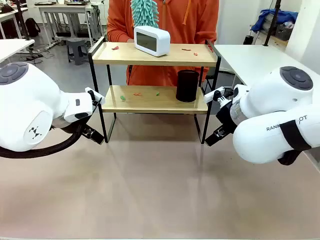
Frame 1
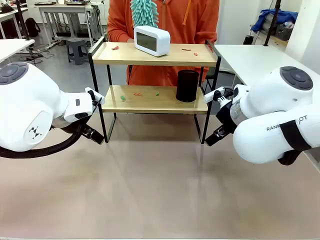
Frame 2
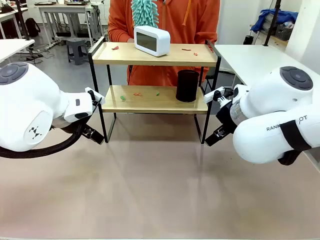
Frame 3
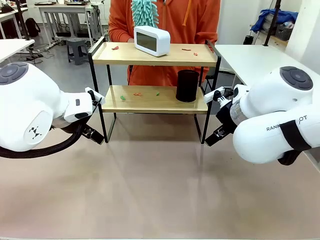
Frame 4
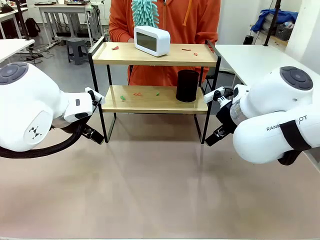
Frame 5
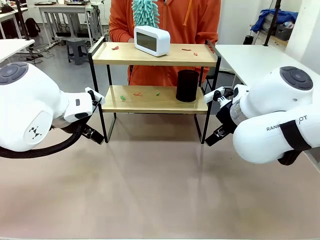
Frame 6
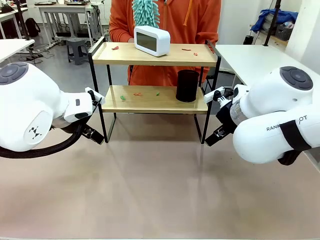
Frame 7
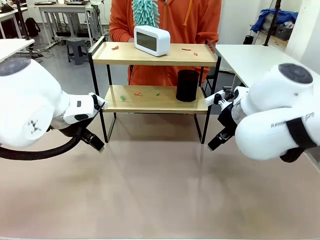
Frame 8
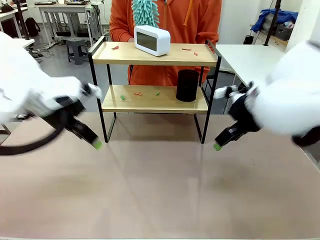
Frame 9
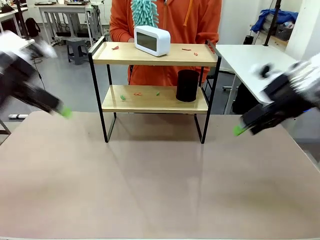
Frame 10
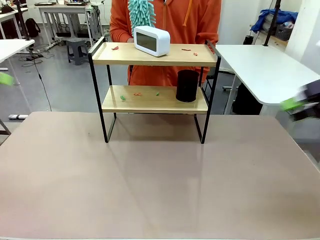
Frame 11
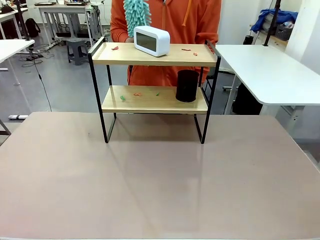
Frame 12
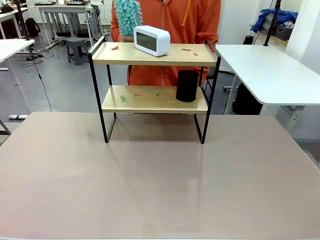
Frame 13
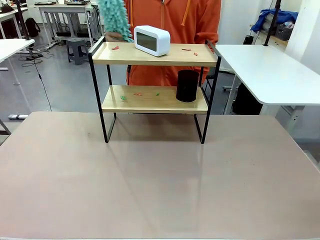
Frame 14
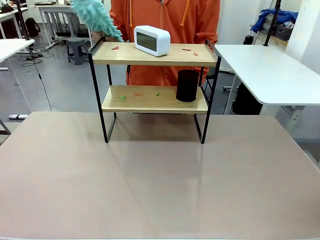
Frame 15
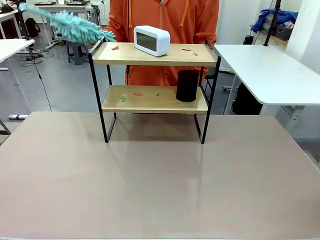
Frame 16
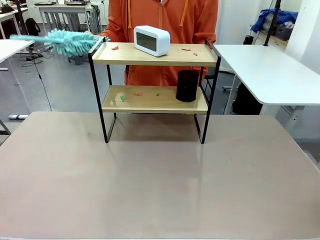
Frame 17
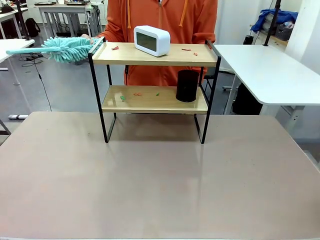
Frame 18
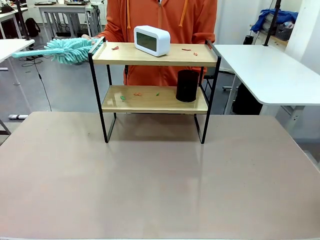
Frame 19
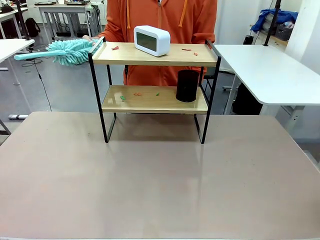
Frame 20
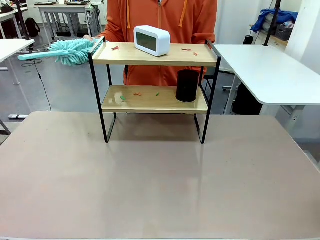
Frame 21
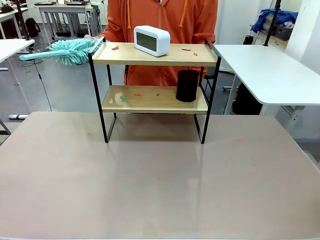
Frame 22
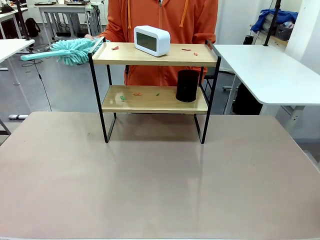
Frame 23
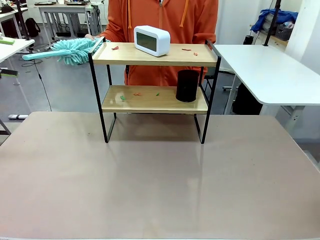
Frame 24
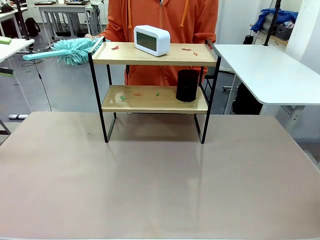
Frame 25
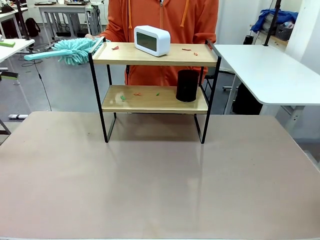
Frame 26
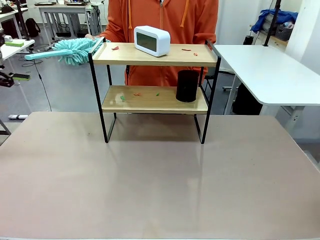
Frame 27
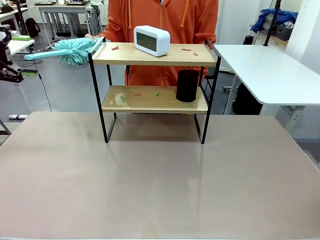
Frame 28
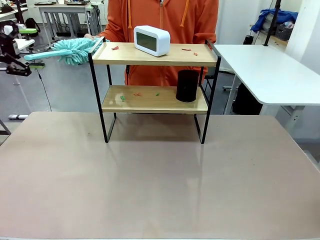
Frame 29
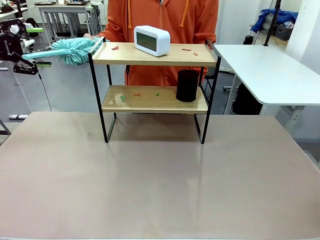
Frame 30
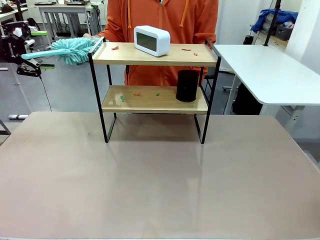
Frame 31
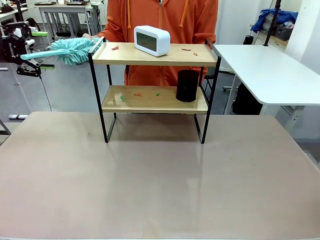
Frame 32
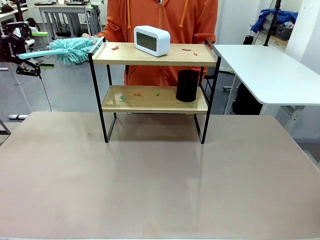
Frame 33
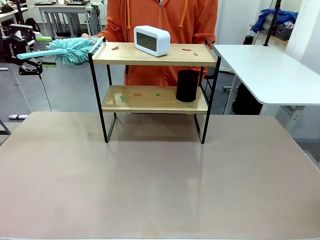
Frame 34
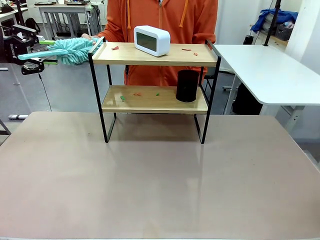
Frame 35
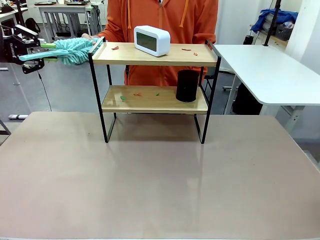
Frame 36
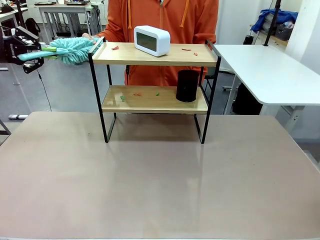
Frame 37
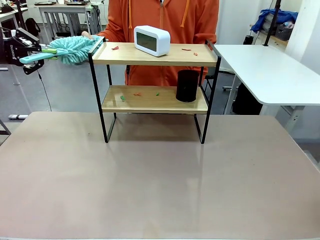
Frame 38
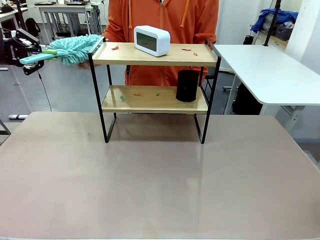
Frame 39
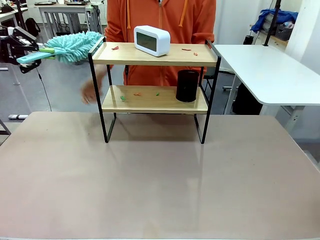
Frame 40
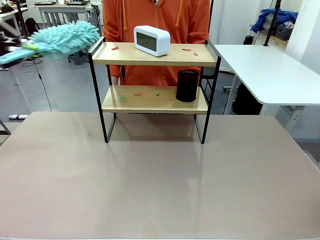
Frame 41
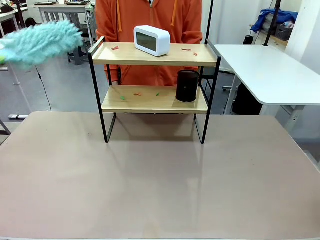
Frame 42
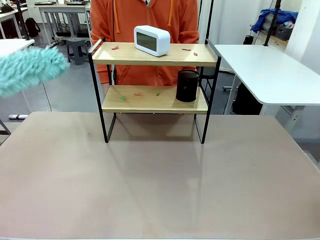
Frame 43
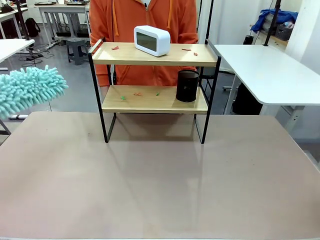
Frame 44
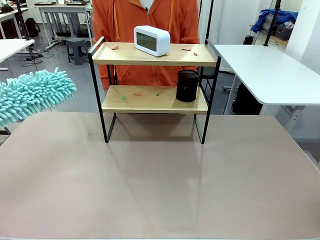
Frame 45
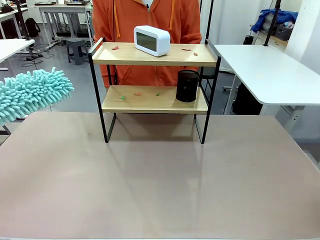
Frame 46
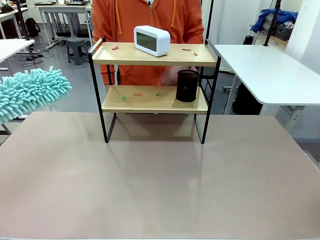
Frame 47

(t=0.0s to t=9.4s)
Task: Clean the shelf.
Robot: Pick up the Duster from the human.
Person: Hand the Duster to the robot.

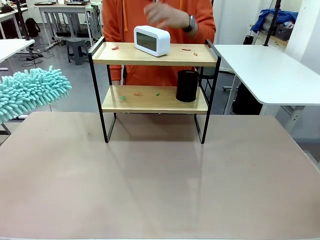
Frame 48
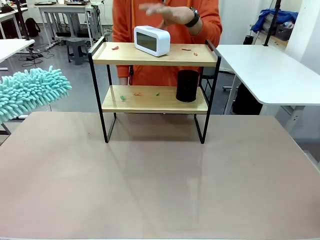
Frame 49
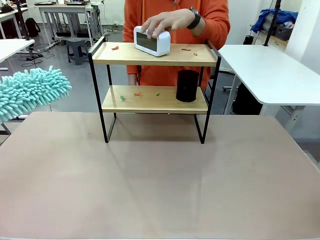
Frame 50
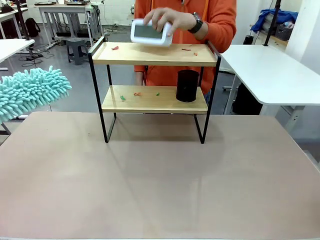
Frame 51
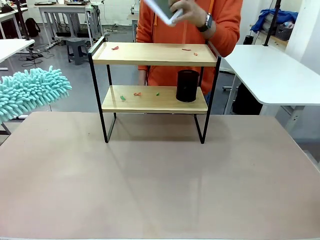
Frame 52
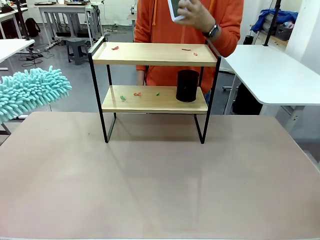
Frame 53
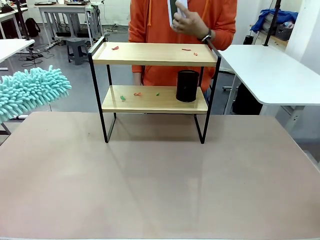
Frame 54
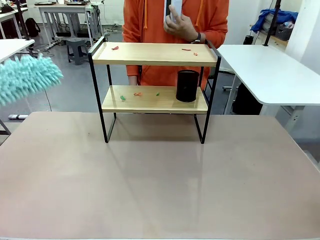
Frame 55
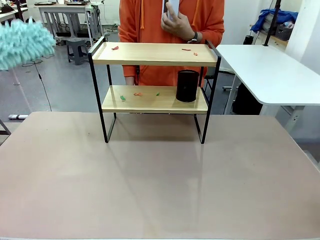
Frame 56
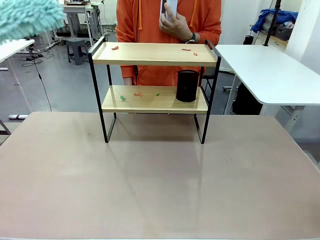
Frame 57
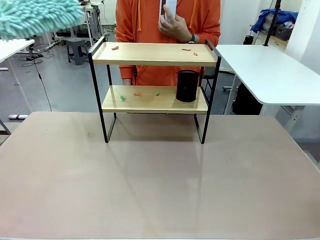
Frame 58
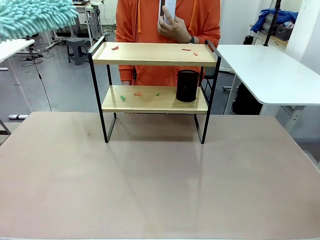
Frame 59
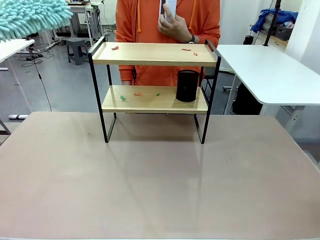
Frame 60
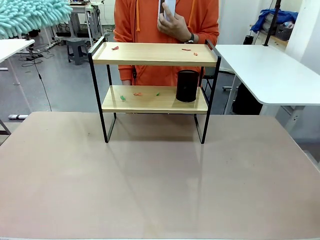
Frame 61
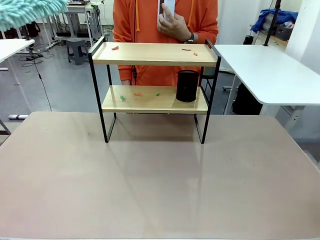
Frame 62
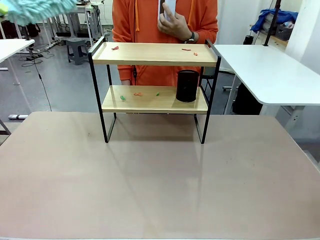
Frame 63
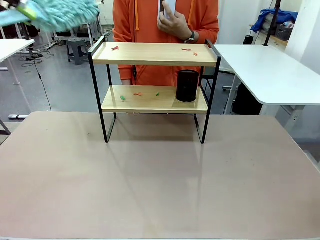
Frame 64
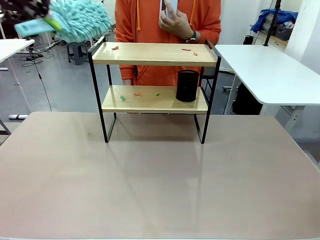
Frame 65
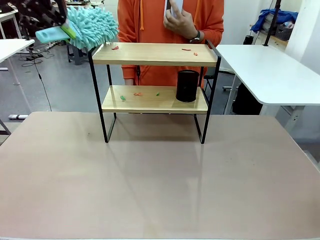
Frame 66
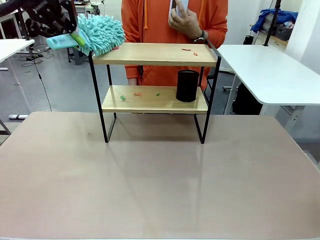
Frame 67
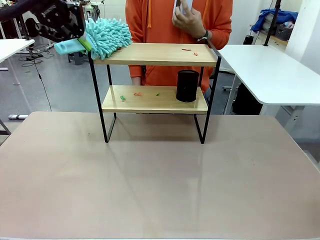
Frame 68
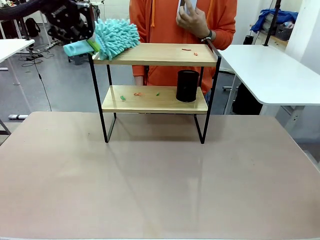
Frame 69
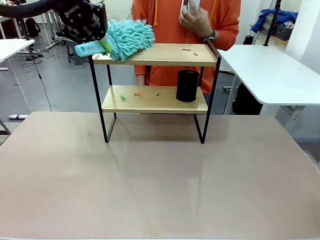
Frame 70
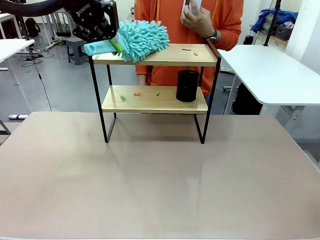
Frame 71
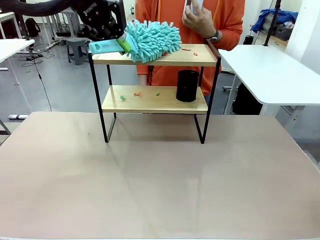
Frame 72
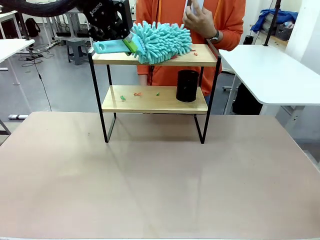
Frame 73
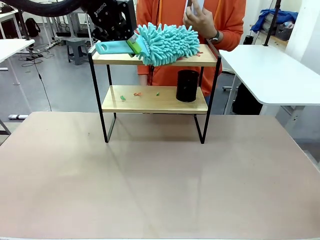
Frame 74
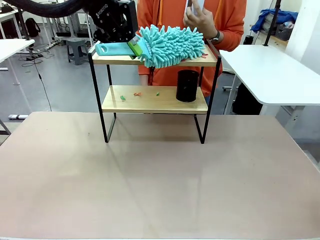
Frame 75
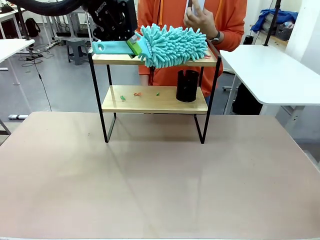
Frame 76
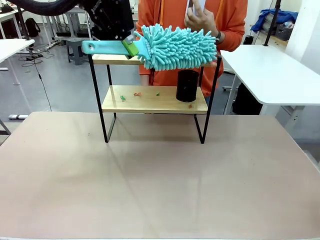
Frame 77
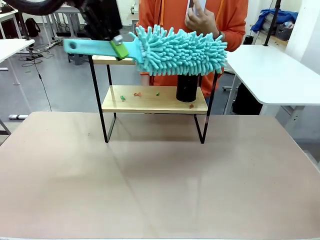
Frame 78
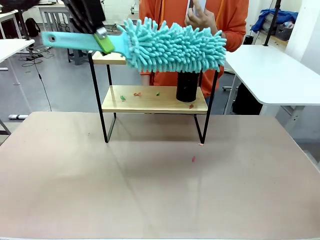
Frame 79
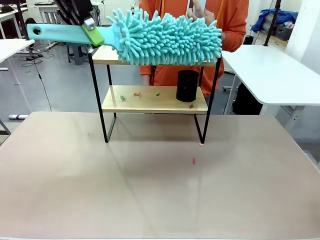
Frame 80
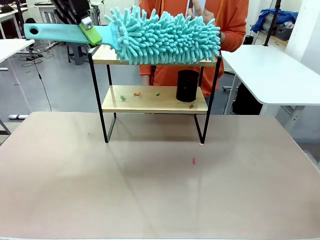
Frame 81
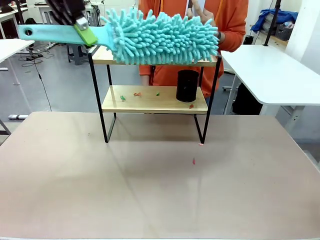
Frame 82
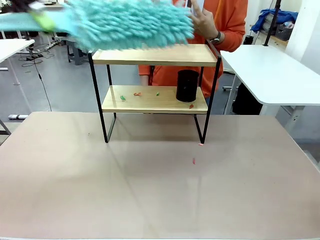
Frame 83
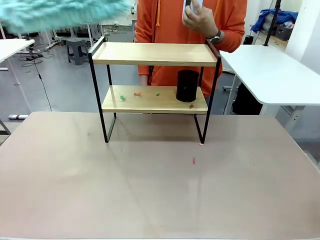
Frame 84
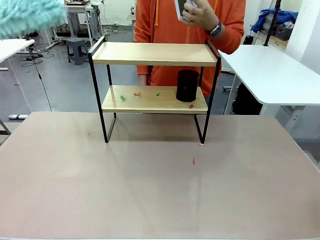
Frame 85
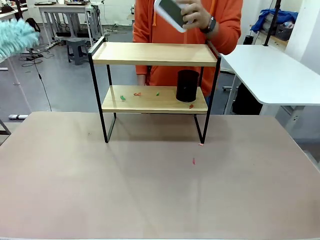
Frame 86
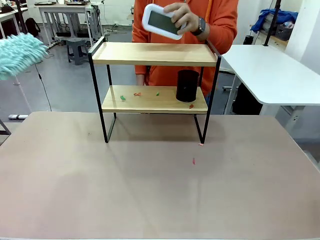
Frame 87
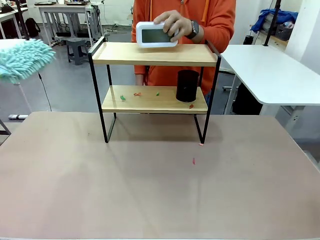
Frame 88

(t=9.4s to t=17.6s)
Robot: Clean the specific tier of the Shelf with the Duster once objects are removed.
Person: Lift the objects on a randomly selected tier of the Shelf. Once the robot finishes cleaning, lift the objects on the remaining tiers of the Shelf.
